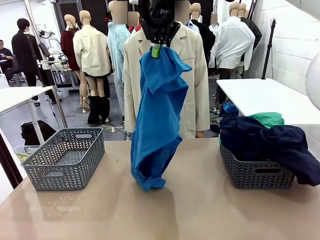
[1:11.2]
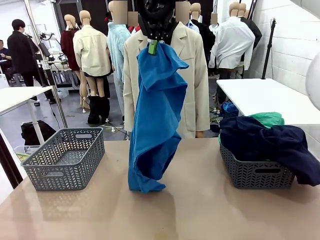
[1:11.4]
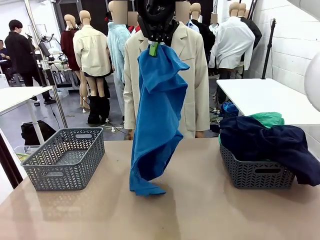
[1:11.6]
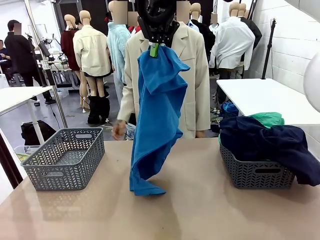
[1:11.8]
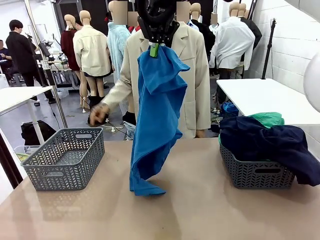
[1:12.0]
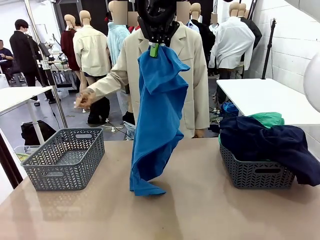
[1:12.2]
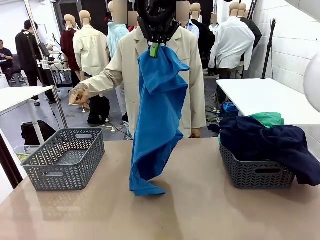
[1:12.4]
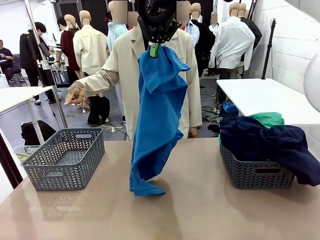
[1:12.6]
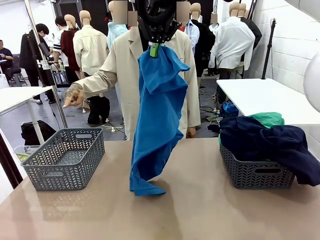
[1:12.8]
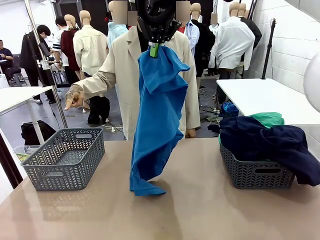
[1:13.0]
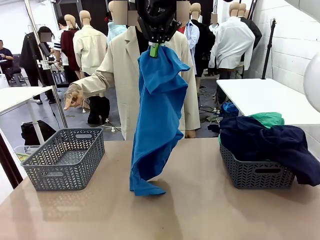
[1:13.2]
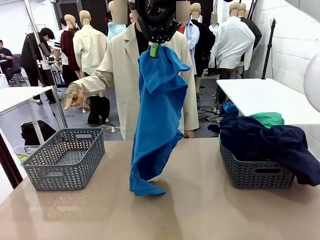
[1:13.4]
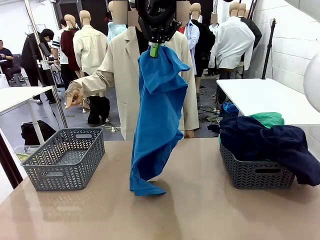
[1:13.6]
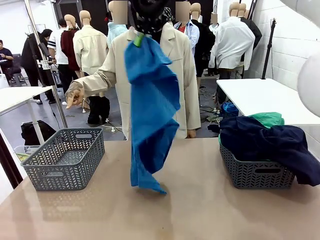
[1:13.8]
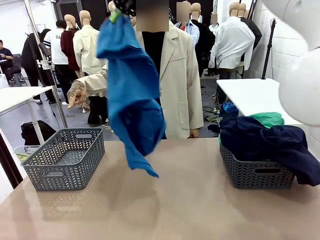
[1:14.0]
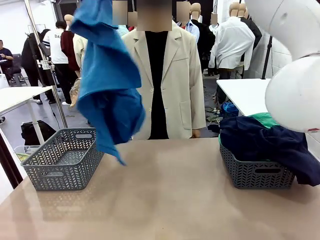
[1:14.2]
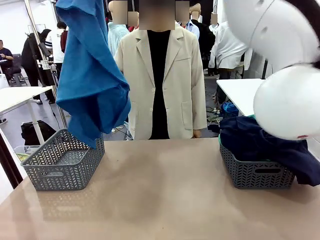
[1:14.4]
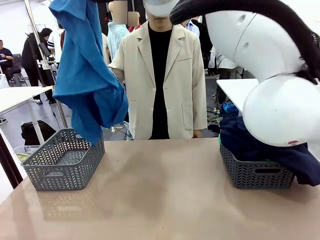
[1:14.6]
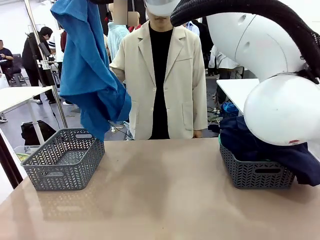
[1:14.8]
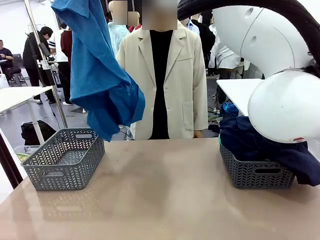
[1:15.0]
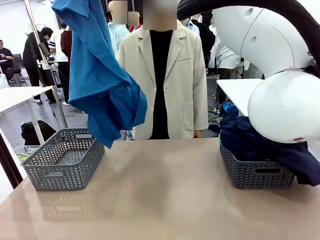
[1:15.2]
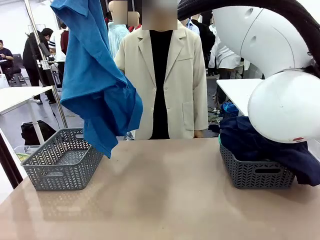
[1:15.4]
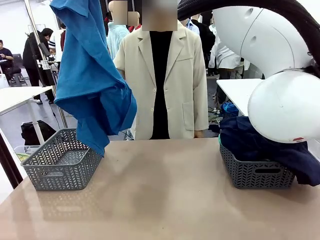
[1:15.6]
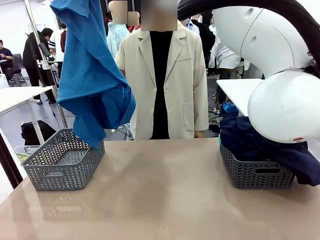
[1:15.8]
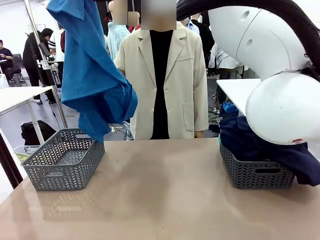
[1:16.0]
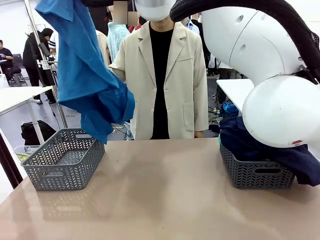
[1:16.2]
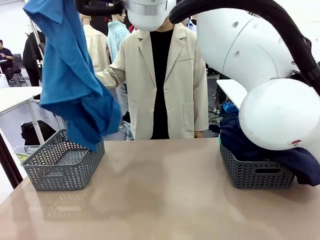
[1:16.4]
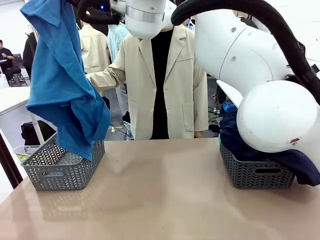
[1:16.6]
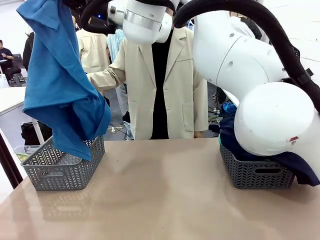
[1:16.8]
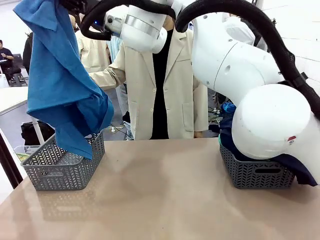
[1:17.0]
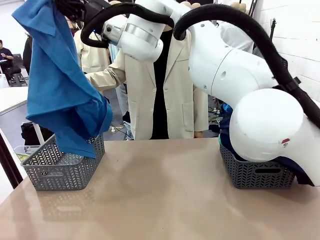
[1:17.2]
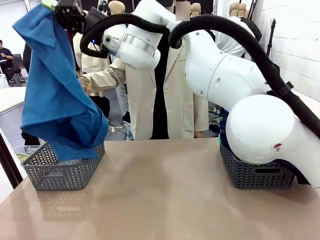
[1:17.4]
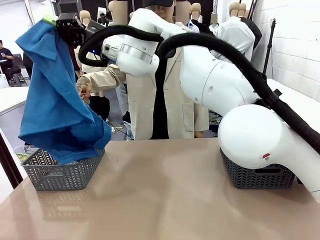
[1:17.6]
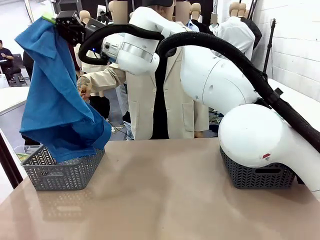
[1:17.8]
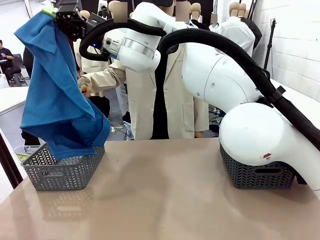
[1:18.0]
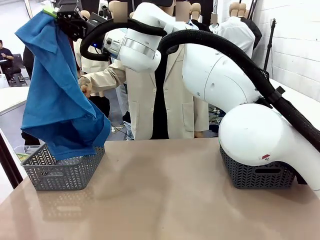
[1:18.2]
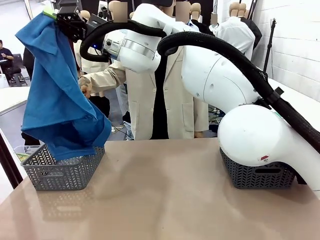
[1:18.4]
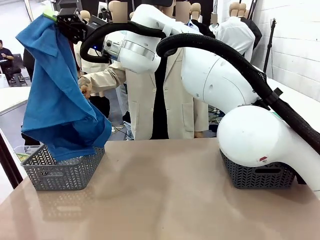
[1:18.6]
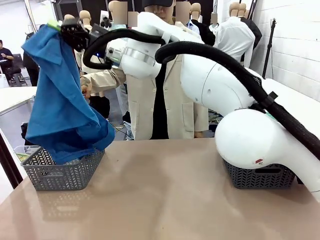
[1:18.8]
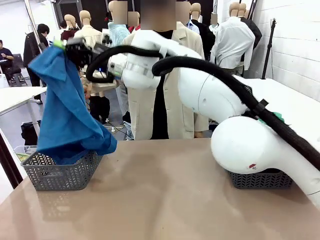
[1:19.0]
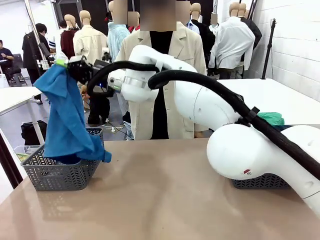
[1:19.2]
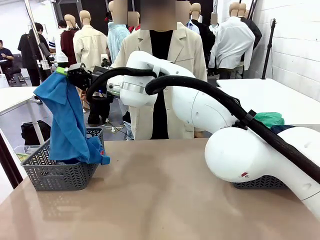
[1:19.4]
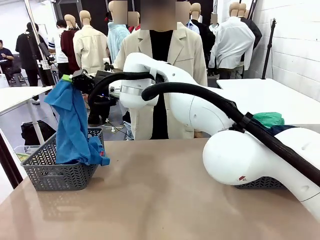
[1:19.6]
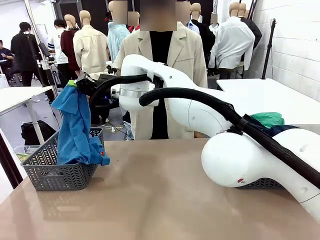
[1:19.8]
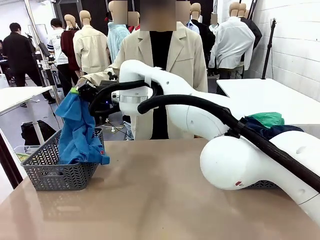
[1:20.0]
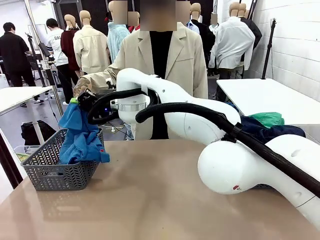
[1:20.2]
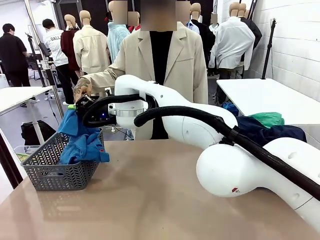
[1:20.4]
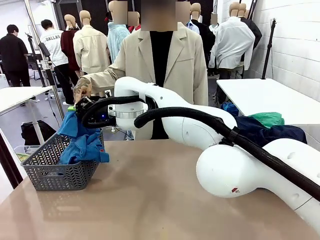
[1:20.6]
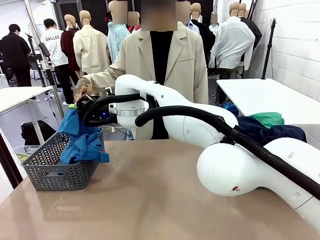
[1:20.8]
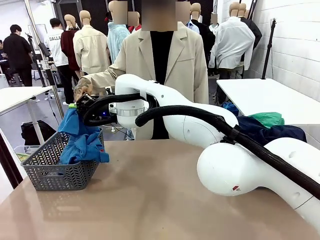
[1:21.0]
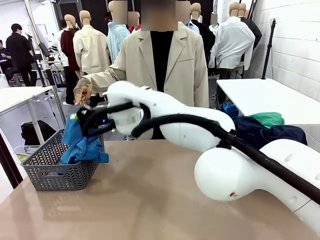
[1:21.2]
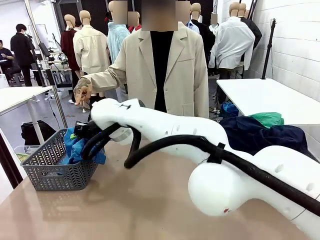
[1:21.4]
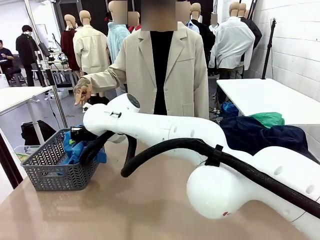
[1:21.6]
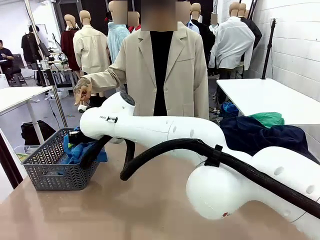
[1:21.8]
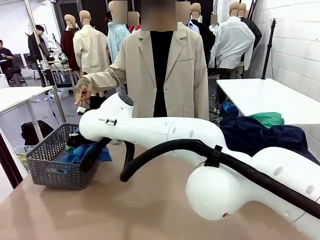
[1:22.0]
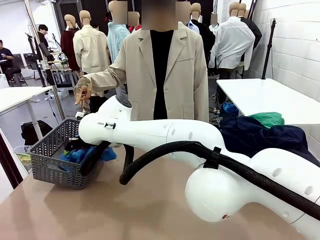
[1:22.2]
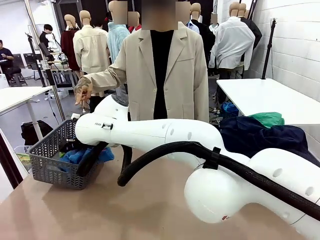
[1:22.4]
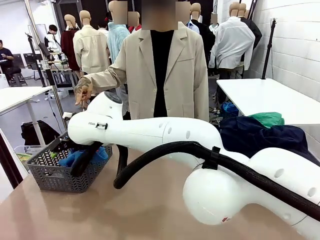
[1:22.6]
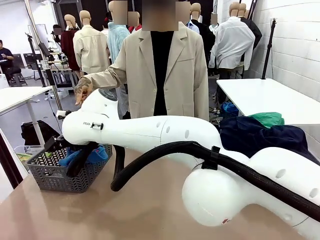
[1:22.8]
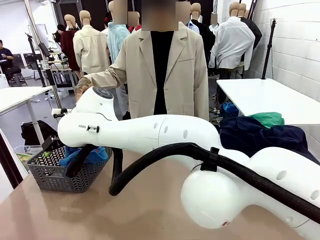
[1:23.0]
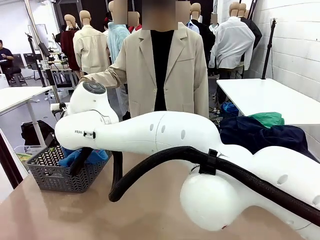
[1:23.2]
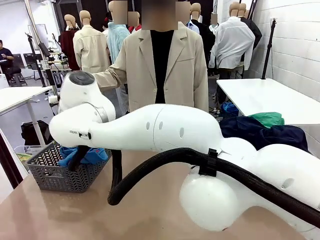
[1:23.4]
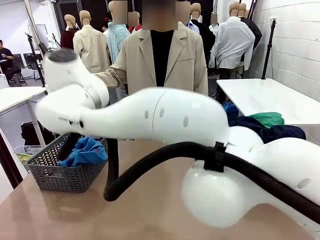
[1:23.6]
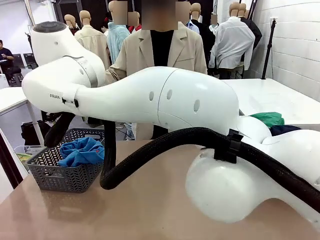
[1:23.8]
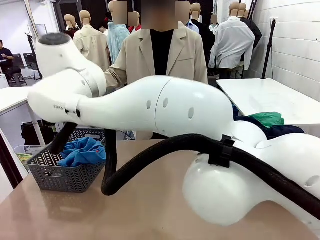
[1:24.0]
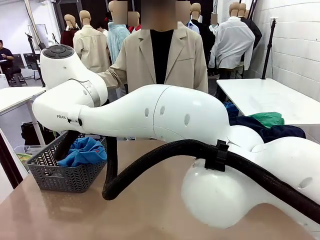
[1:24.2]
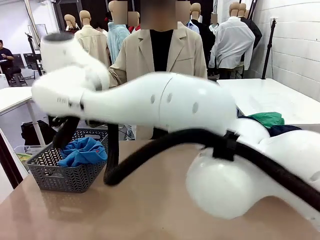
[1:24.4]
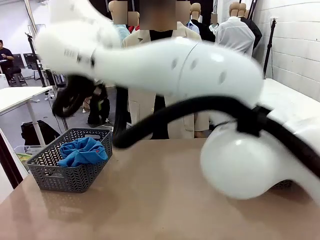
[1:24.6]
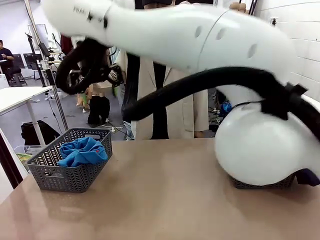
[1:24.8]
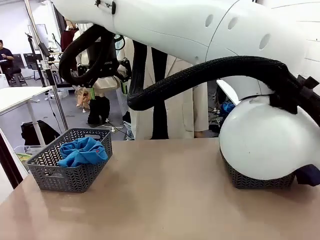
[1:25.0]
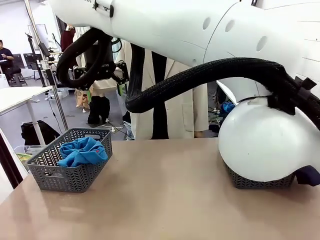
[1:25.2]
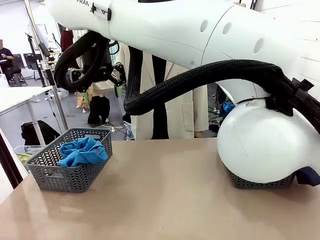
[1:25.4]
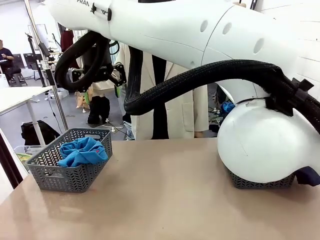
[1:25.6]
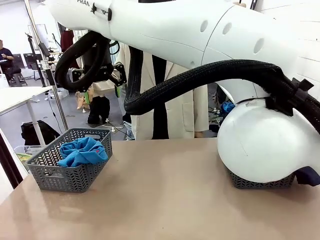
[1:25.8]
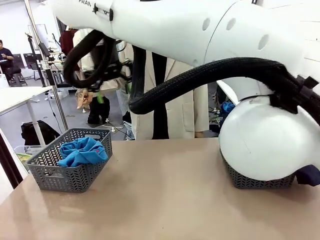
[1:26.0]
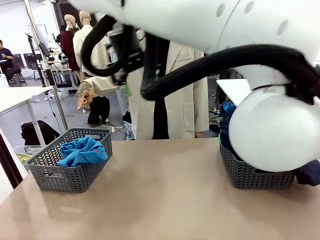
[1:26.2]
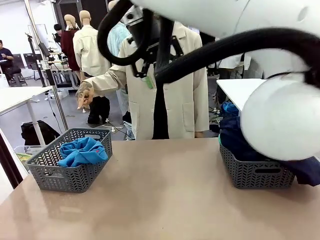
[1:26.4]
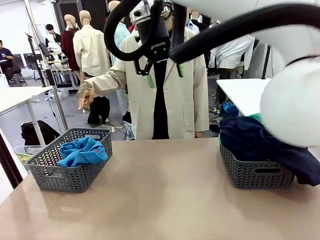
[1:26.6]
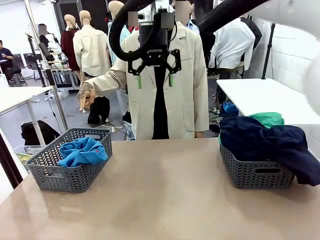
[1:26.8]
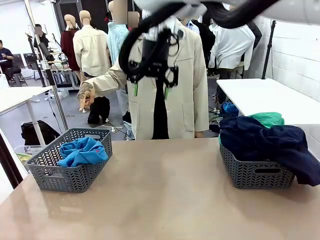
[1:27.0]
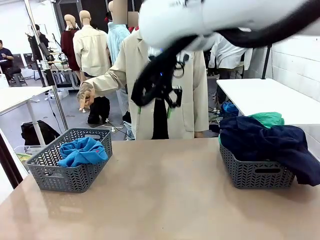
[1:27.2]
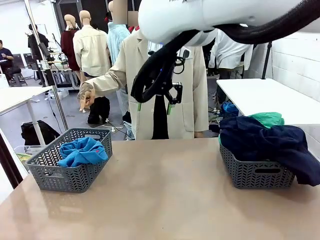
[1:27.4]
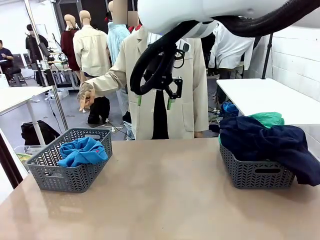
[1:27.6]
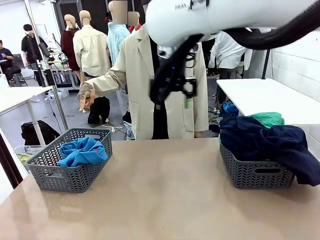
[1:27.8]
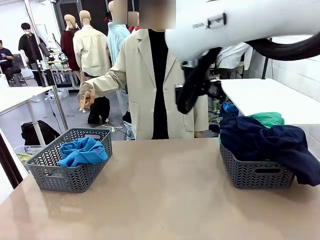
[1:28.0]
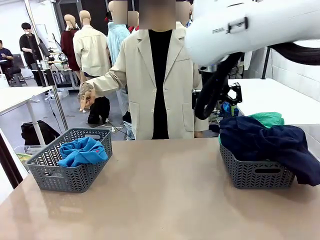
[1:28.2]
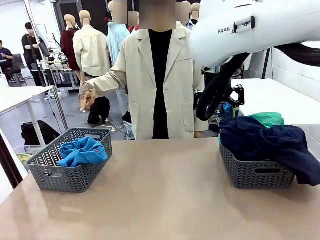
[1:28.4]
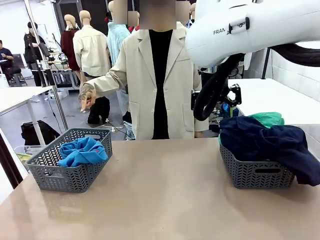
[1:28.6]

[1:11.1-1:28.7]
Task: Sort the tops and bottoms.
Robot: Sort the clothes according to human instructions.

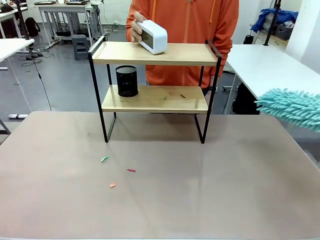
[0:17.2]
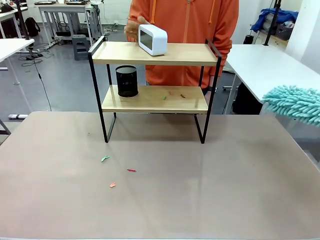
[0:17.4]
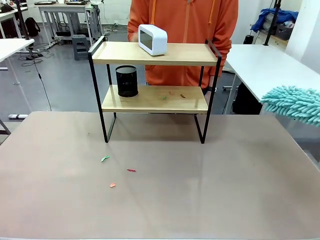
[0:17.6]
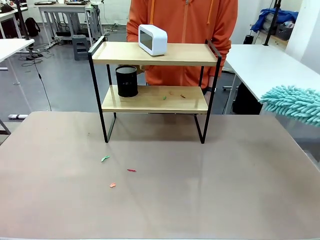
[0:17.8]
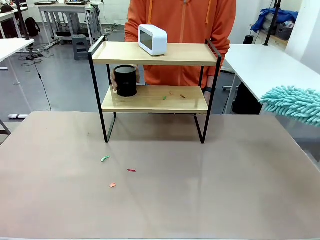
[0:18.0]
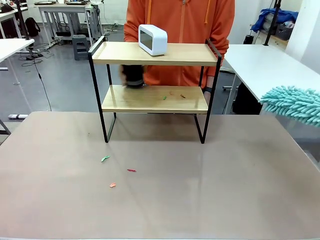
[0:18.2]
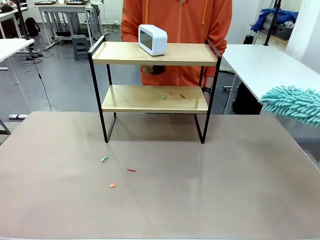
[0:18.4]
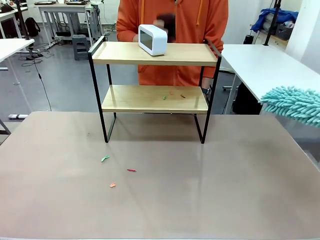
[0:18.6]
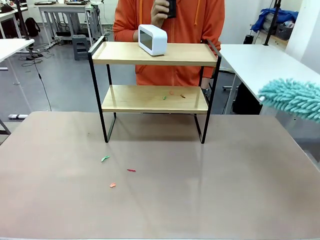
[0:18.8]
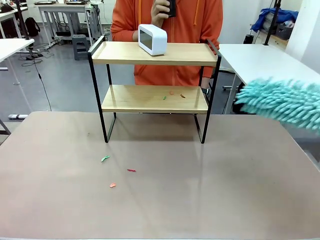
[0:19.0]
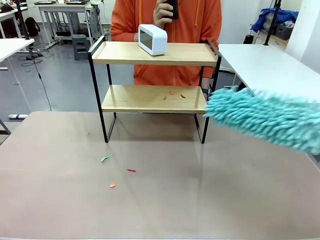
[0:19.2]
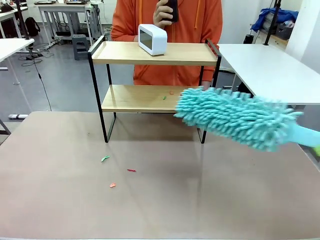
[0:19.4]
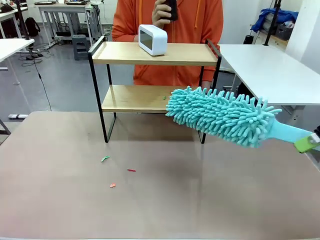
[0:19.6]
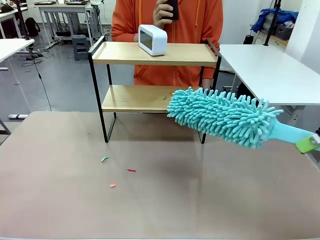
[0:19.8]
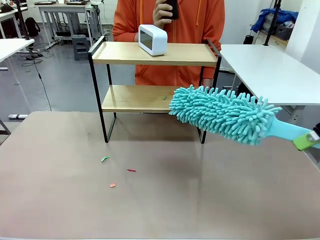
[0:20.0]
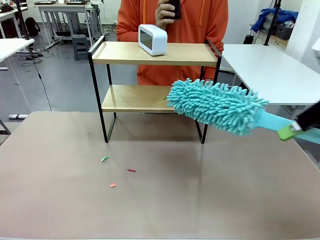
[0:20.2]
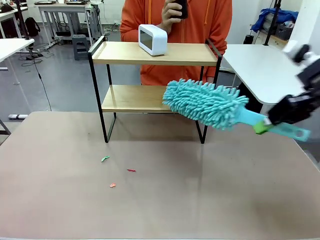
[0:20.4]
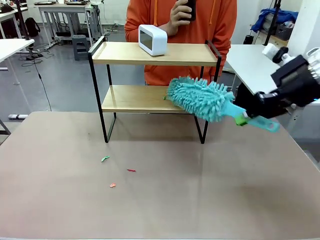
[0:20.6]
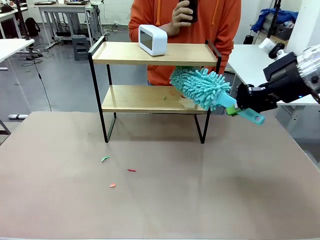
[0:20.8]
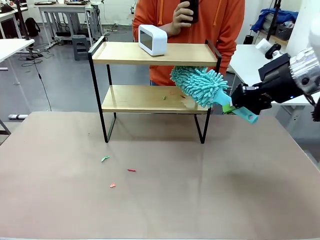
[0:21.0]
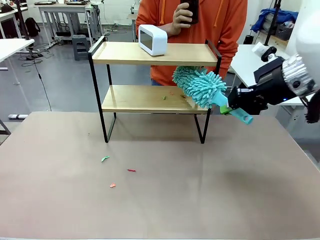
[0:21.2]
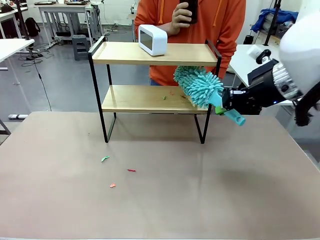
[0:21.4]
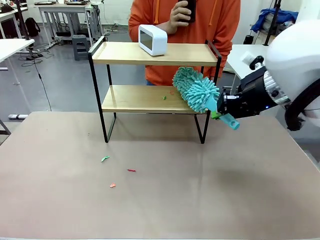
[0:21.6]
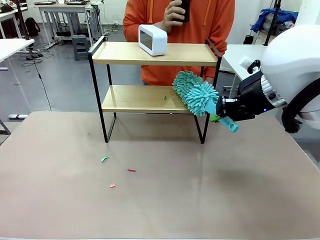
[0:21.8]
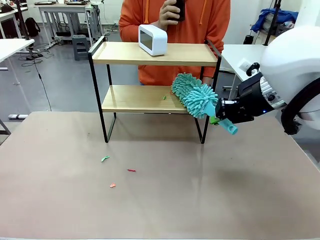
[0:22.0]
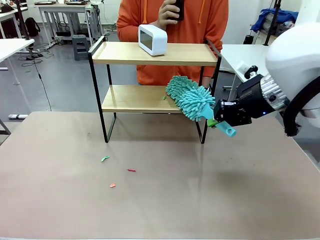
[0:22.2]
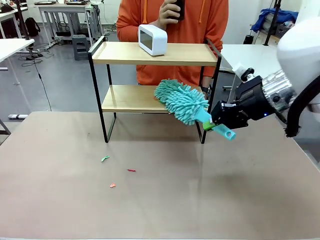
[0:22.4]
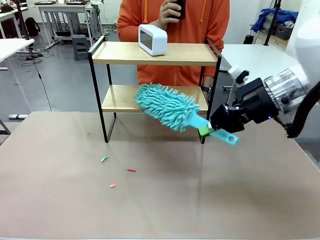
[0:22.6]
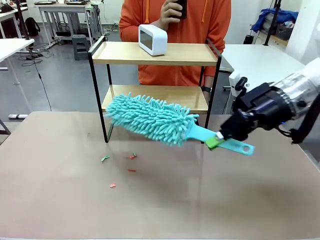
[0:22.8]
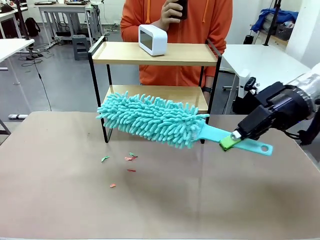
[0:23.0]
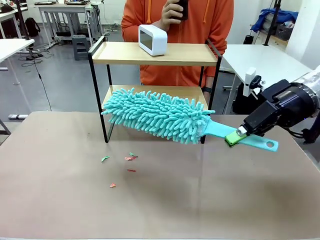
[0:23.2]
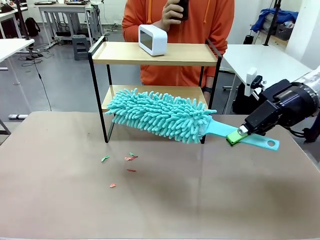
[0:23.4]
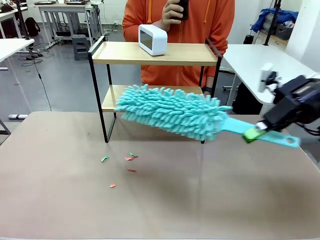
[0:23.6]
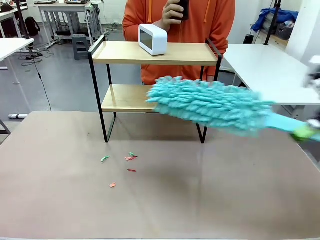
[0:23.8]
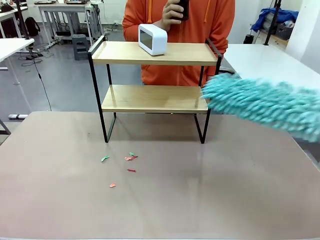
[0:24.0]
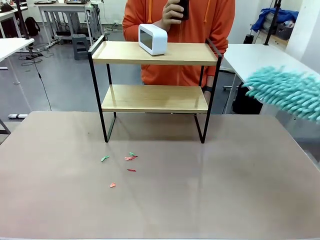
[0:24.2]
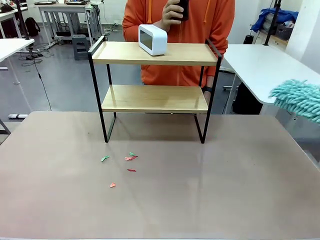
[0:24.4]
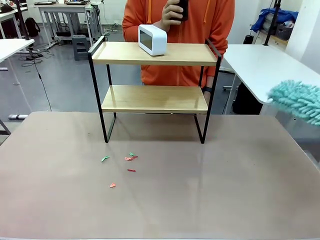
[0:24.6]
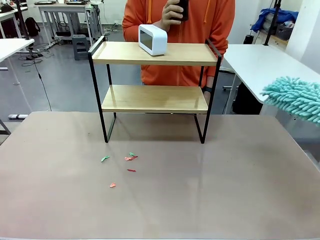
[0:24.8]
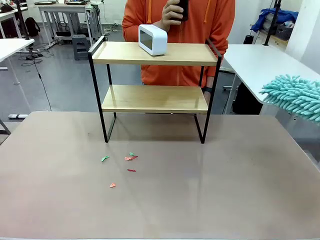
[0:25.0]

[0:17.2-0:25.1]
Task: Clean the shelf.
Robot: Clean the remaining tier of the Shelf with the Duster once objects are removed.
